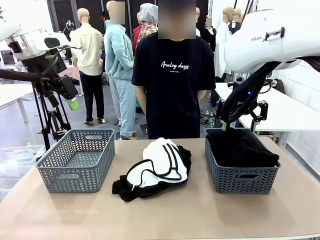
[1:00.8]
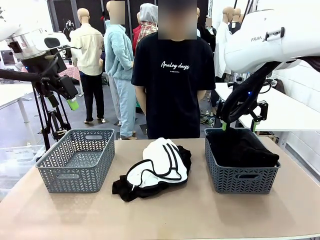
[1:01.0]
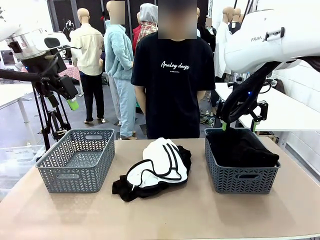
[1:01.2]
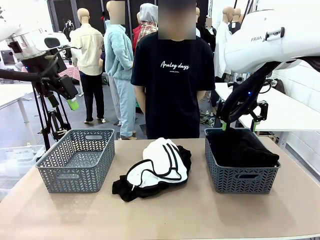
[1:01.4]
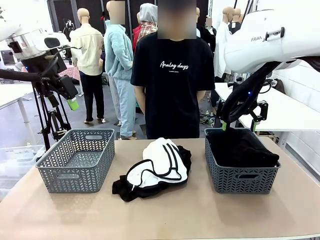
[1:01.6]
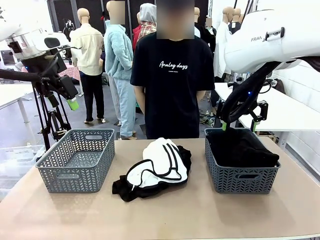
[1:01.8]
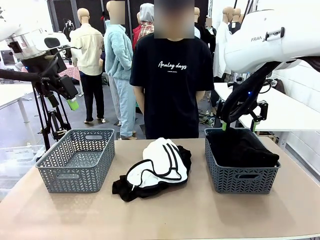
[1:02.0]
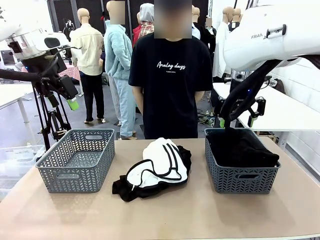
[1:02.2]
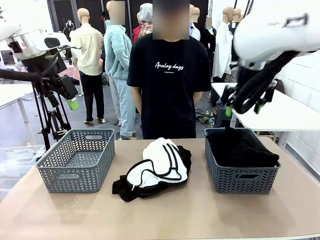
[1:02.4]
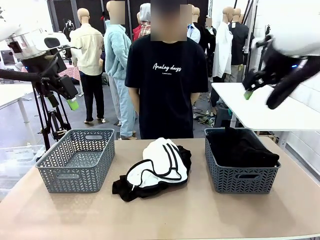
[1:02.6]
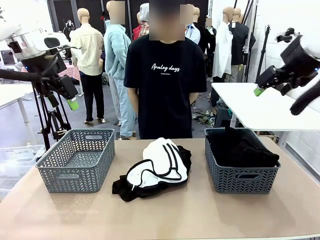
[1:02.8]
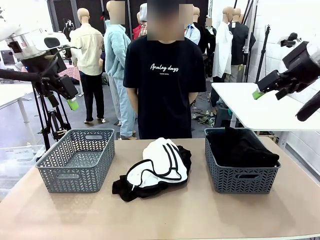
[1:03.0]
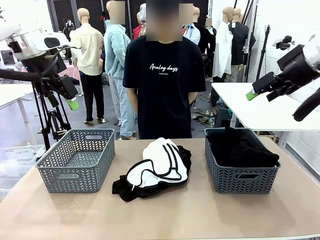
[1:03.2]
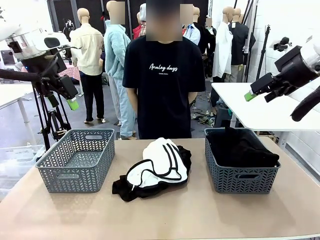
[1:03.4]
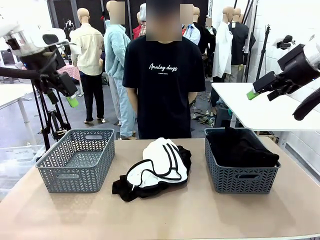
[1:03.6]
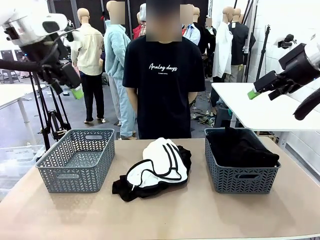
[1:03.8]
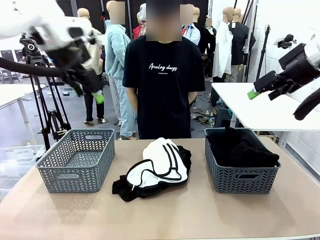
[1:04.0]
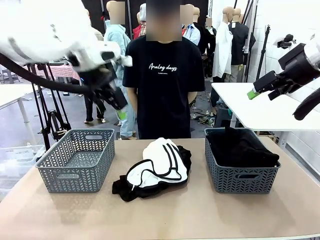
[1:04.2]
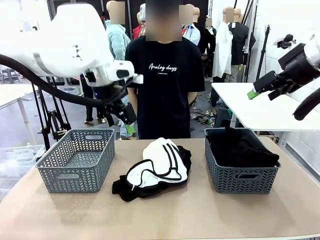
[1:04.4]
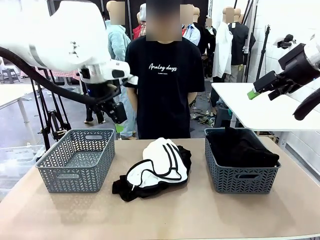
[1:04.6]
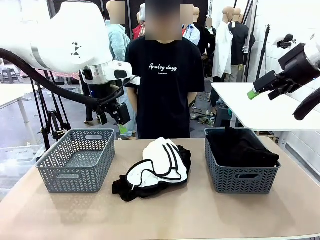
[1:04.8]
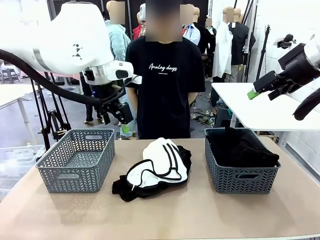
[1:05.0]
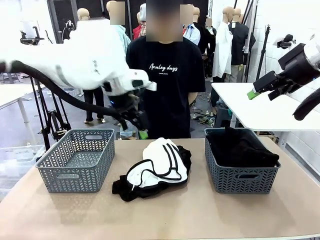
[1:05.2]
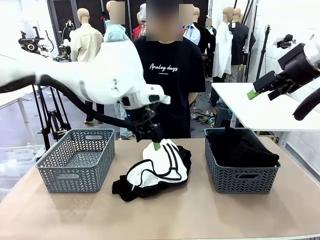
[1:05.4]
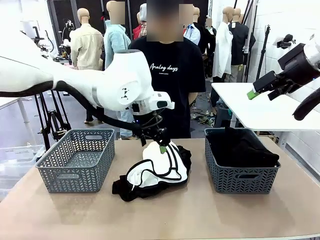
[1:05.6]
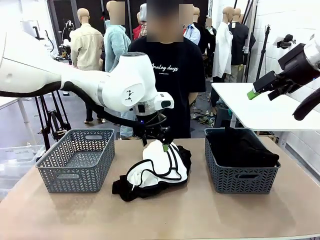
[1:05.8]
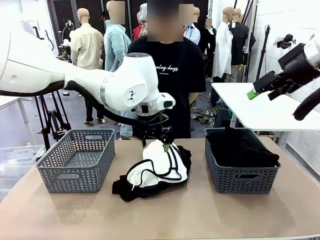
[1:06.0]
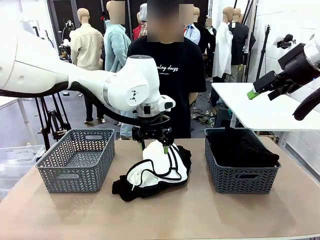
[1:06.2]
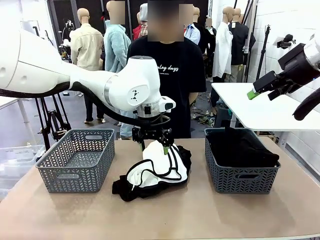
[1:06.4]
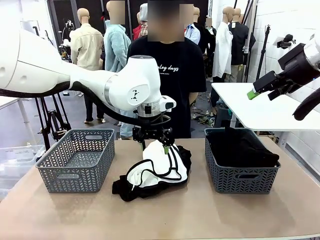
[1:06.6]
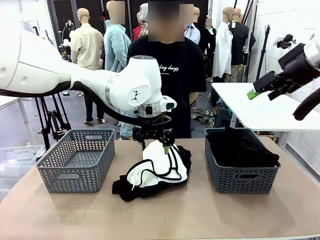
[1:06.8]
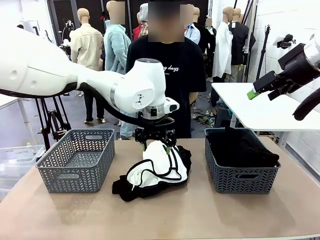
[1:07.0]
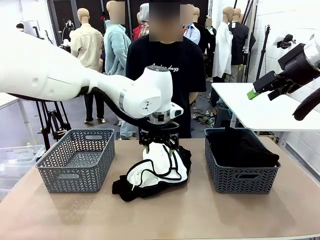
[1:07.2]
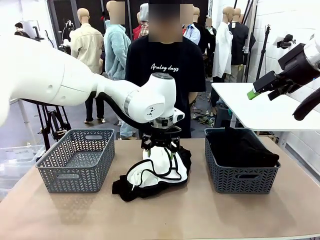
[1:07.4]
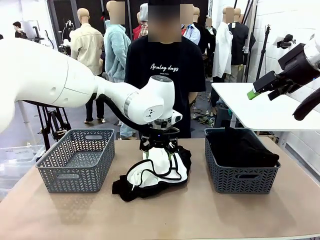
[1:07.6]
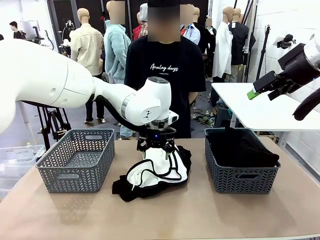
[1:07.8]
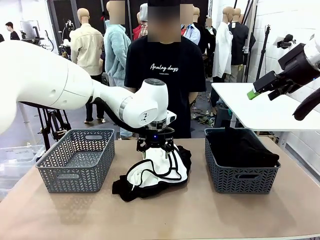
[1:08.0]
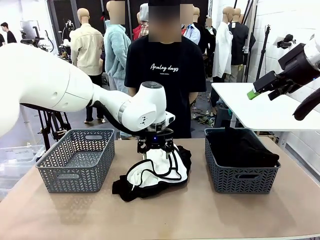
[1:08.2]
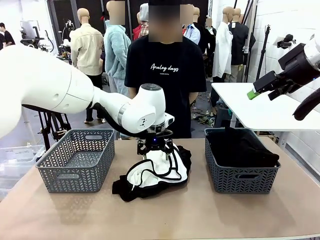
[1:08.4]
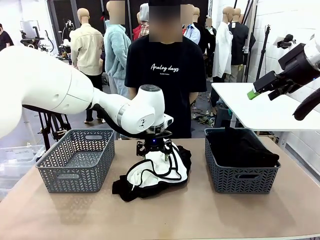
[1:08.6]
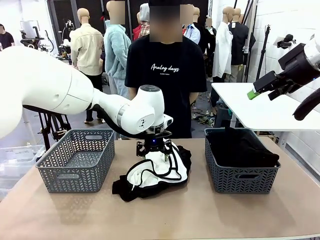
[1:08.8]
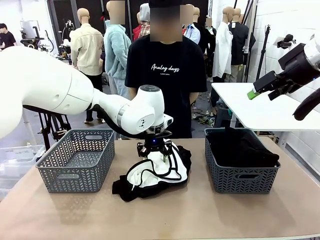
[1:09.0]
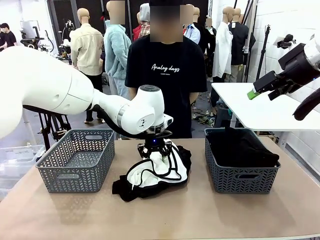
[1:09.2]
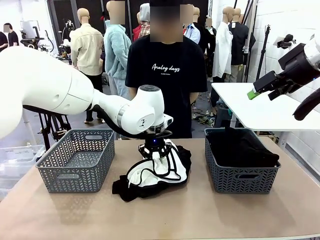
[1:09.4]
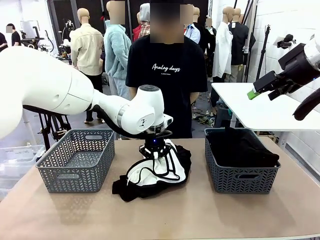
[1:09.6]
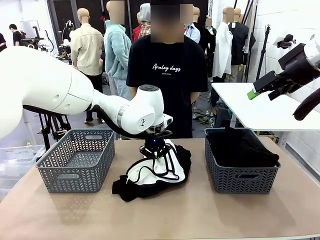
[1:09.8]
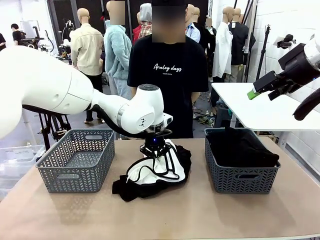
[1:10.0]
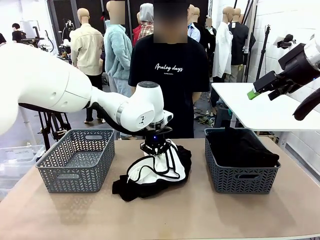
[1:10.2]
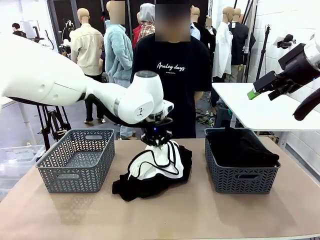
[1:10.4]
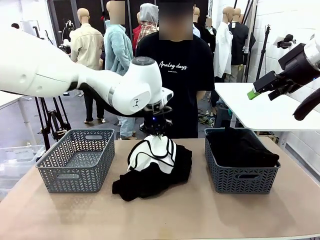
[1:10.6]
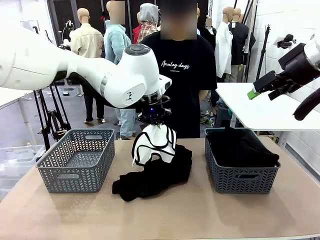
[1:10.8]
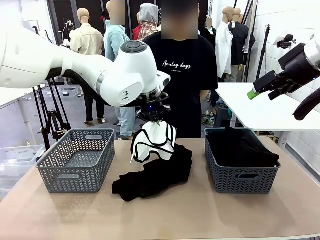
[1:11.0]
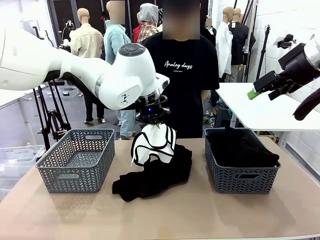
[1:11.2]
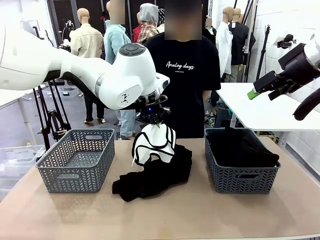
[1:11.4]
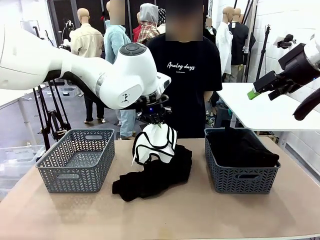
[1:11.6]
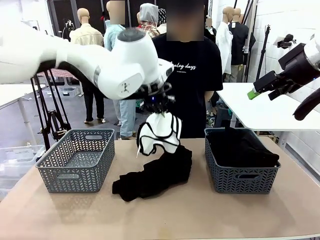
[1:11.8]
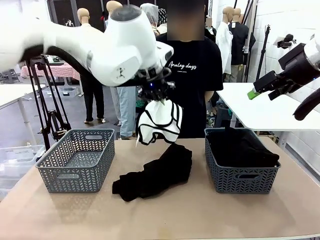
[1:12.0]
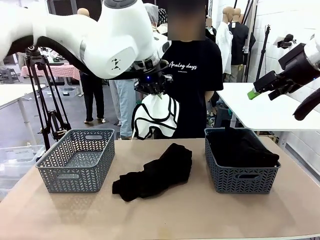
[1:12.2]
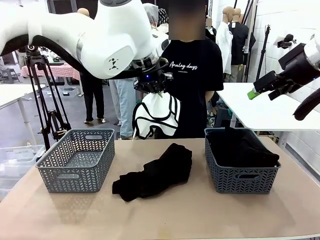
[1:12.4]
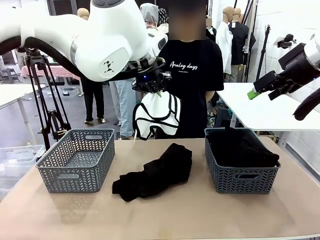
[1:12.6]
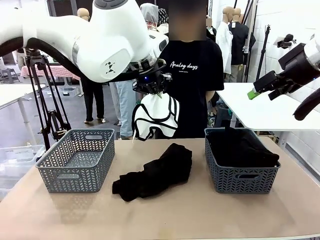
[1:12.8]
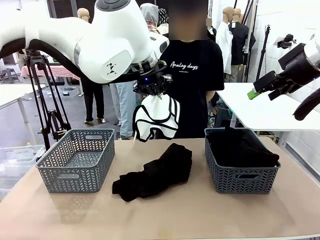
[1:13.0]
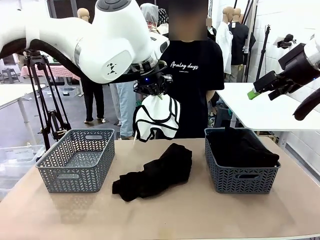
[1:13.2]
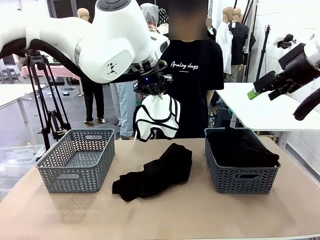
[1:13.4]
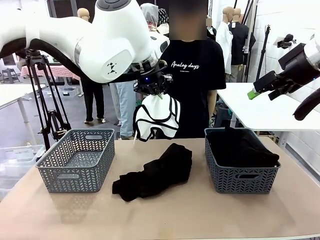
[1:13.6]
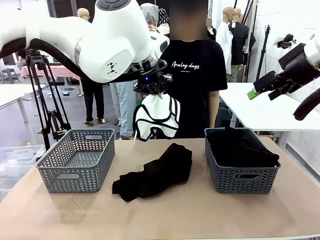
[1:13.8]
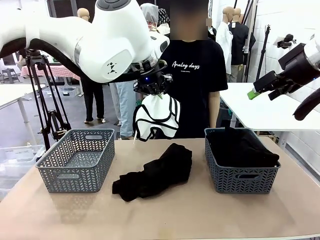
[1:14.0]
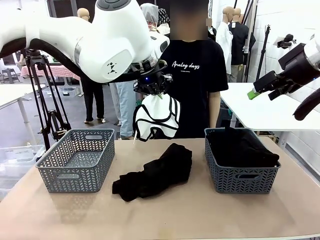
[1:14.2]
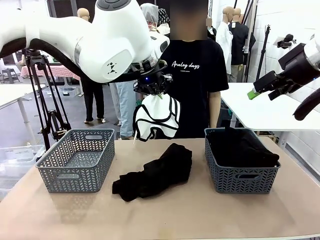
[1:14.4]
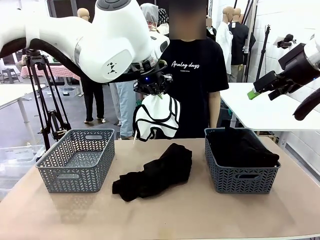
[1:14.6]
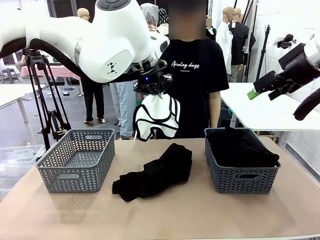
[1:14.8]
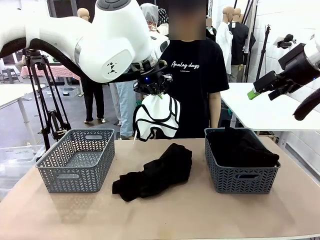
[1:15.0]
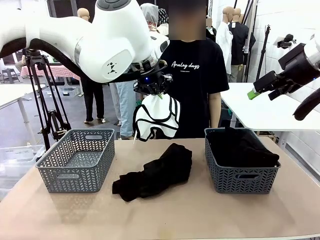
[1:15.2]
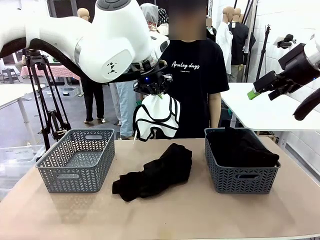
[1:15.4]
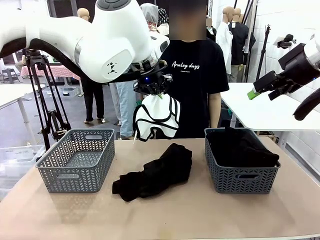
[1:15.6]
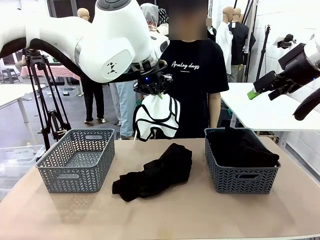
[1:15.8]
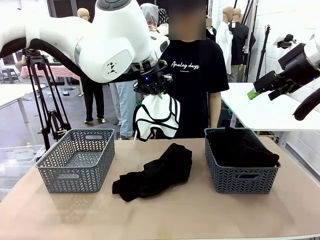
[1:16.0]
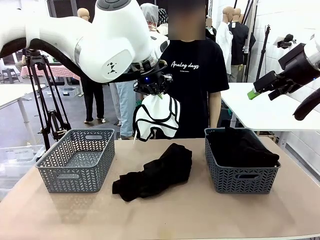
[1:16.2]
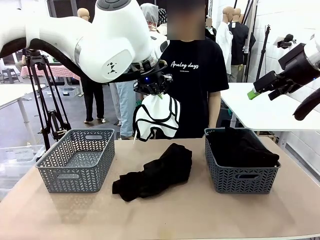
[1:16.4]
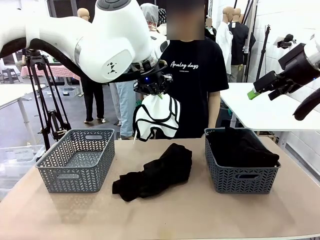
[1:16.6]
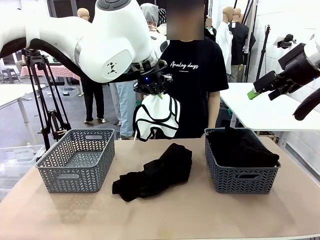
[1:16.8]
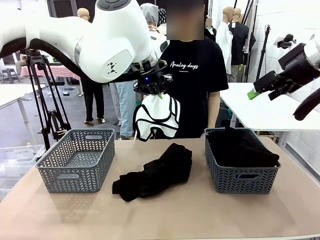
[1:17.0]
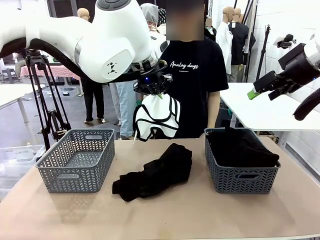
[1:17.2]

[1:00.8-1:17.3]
Task: Sort the tops and bottoms.
Robot: Lift clothes from the center of the table with your left hand.
